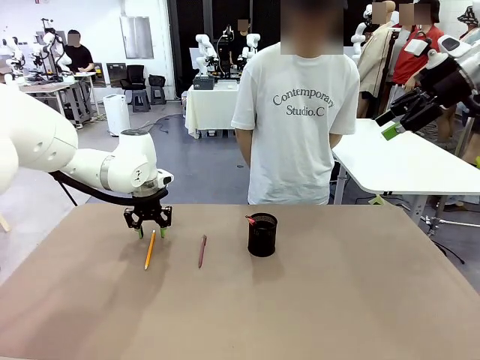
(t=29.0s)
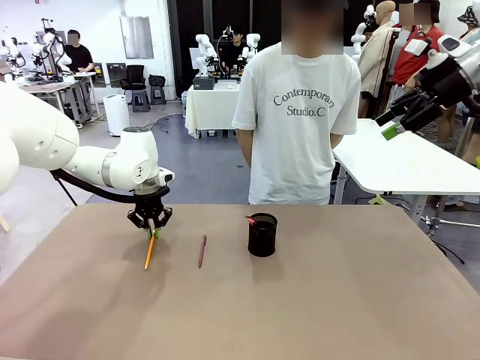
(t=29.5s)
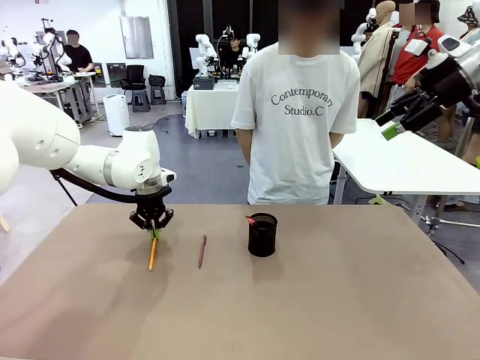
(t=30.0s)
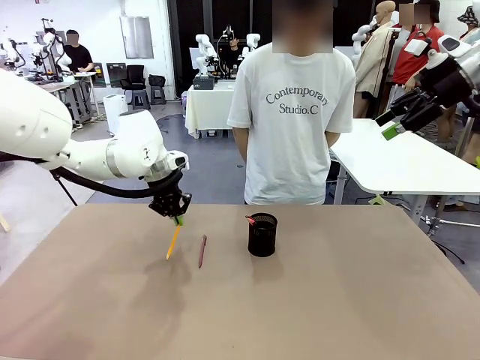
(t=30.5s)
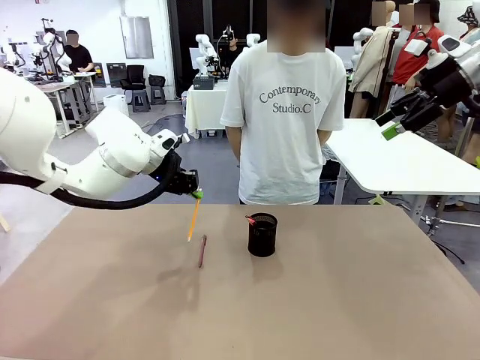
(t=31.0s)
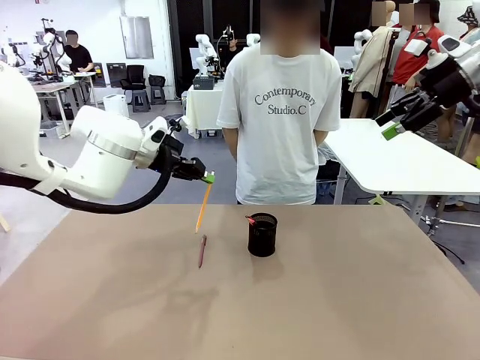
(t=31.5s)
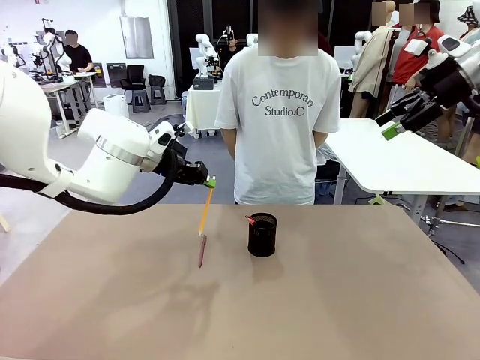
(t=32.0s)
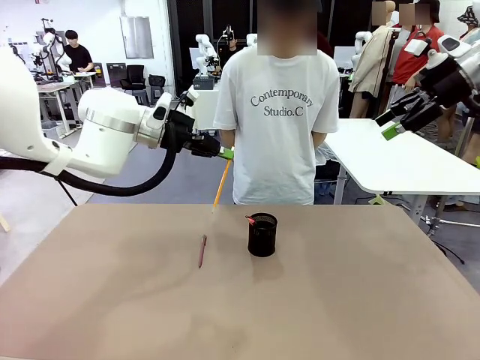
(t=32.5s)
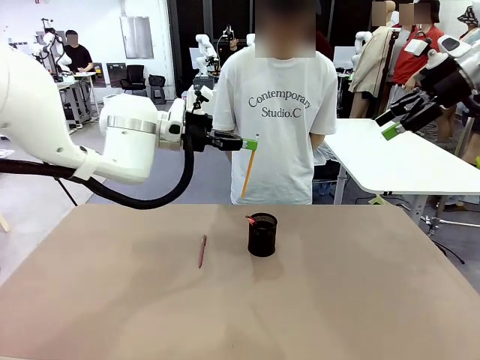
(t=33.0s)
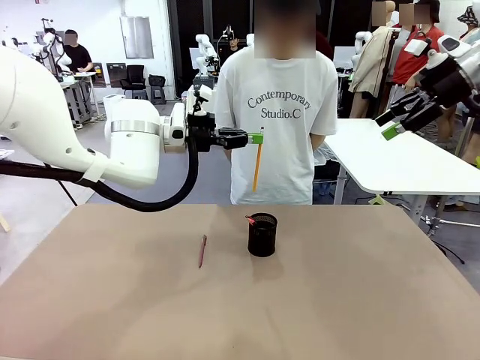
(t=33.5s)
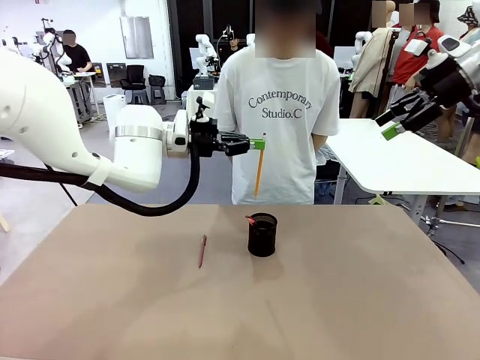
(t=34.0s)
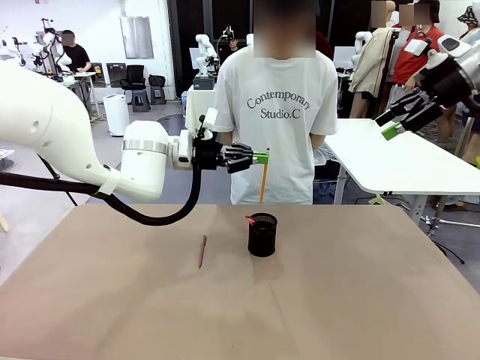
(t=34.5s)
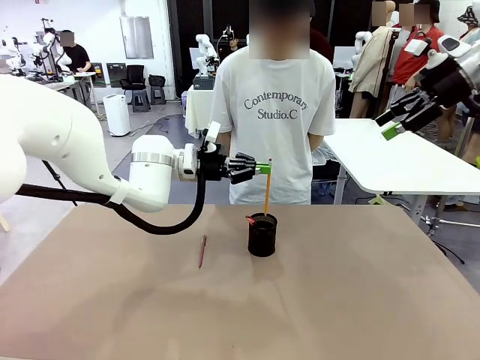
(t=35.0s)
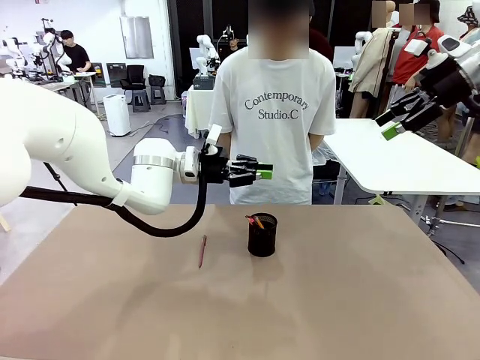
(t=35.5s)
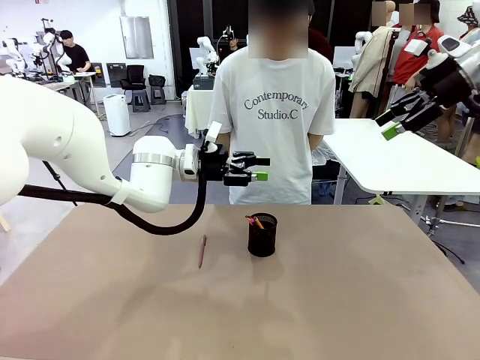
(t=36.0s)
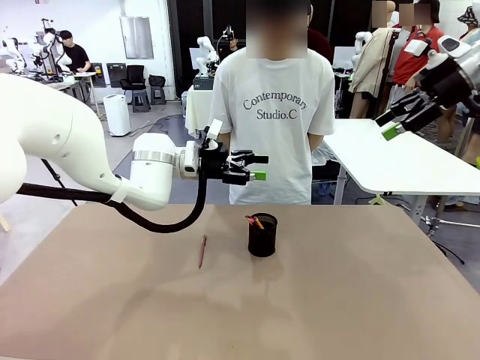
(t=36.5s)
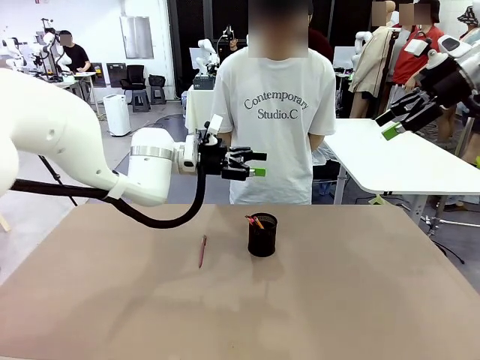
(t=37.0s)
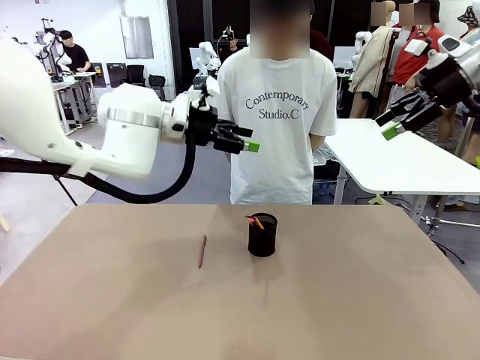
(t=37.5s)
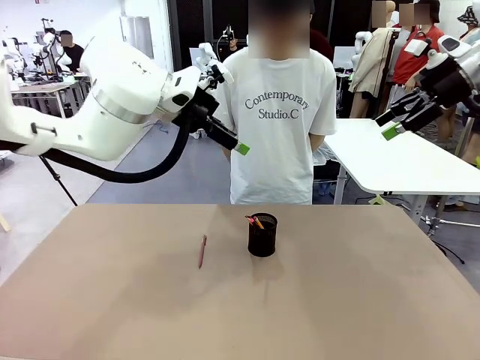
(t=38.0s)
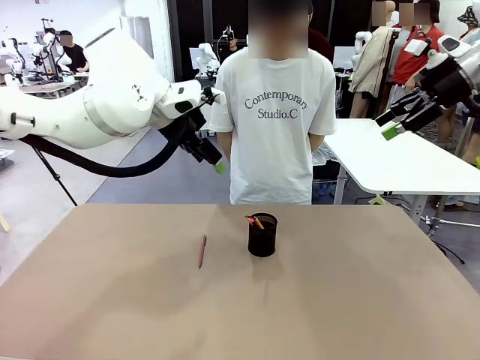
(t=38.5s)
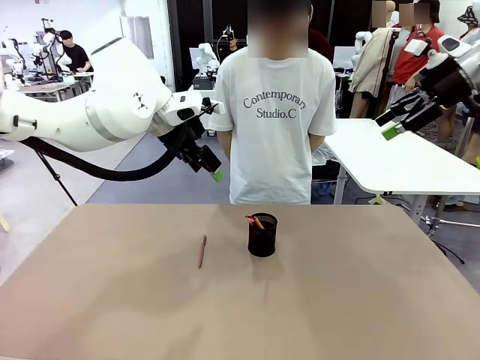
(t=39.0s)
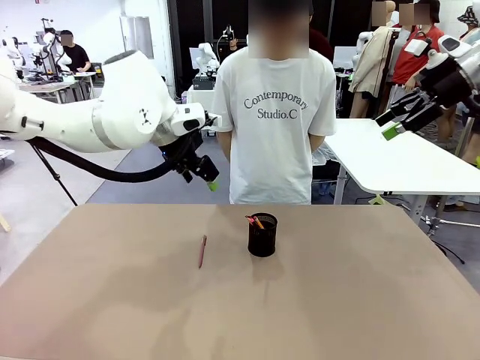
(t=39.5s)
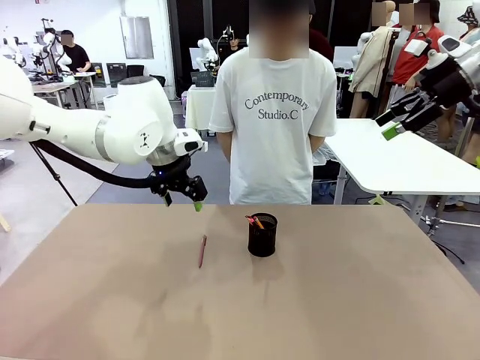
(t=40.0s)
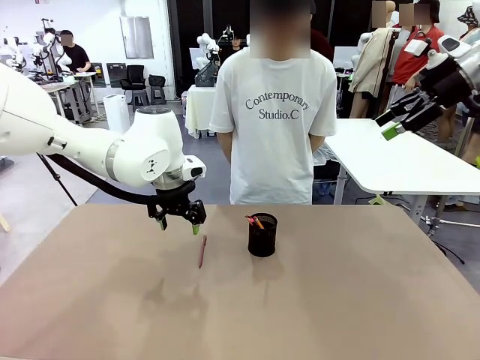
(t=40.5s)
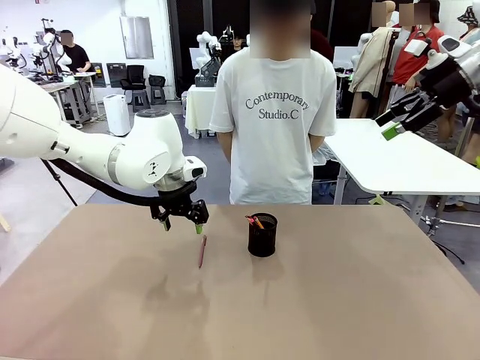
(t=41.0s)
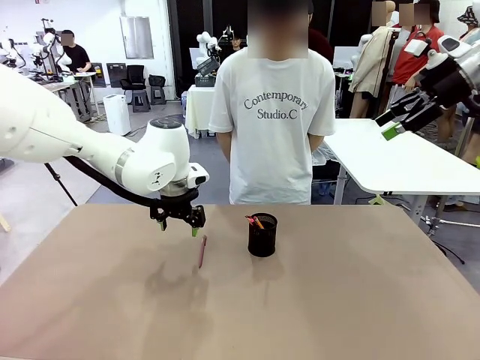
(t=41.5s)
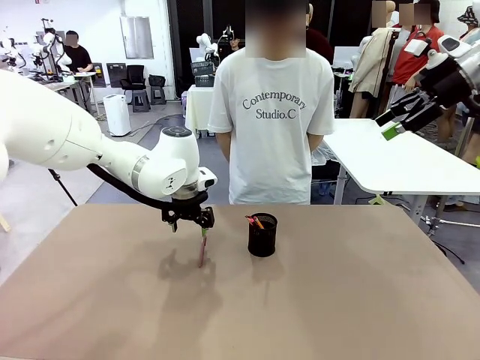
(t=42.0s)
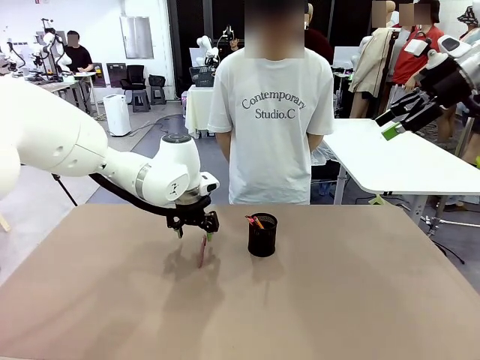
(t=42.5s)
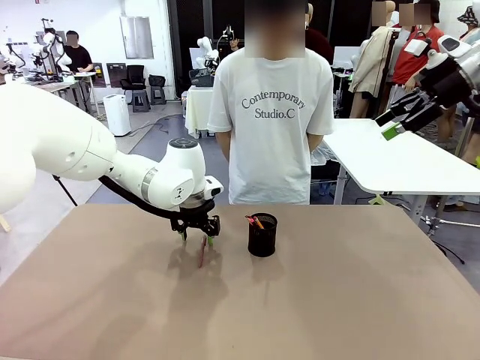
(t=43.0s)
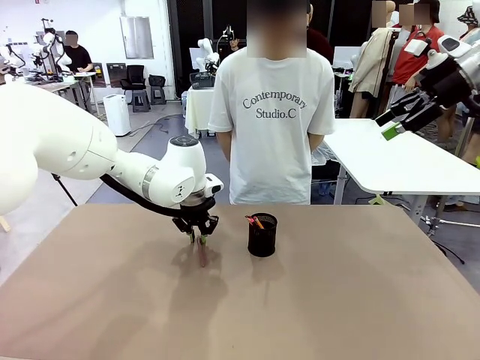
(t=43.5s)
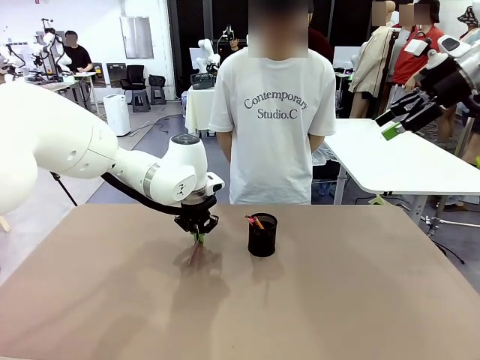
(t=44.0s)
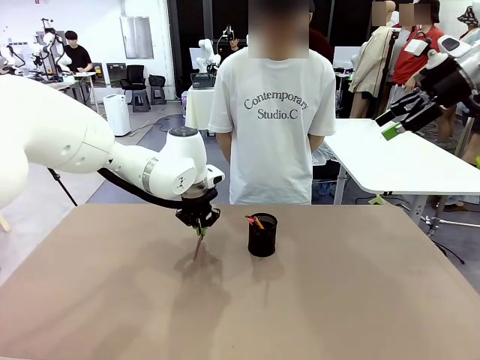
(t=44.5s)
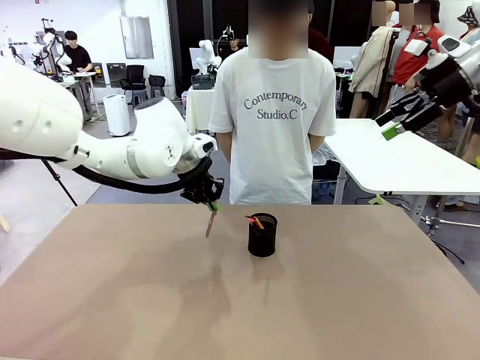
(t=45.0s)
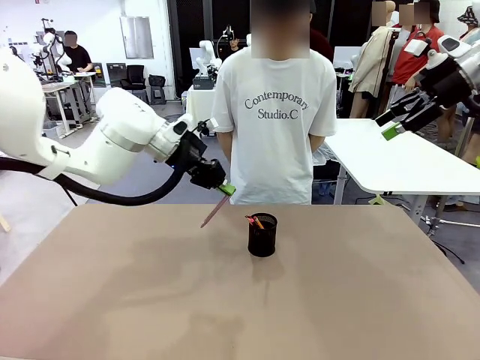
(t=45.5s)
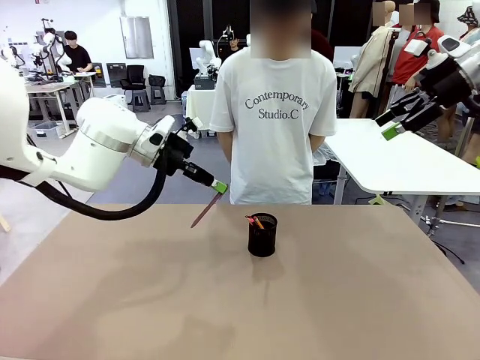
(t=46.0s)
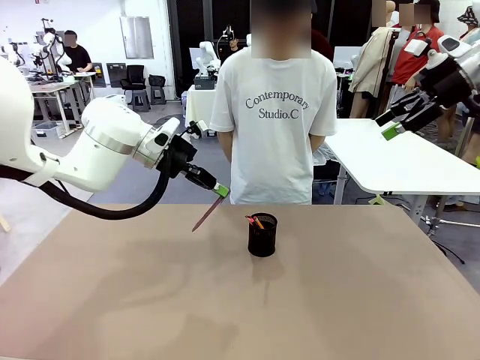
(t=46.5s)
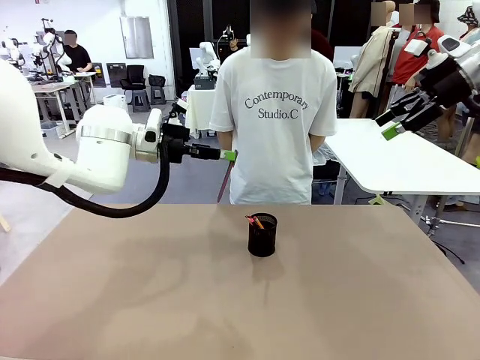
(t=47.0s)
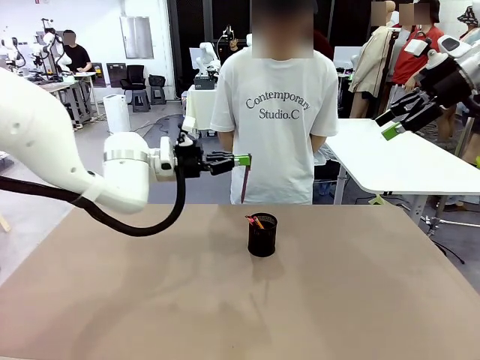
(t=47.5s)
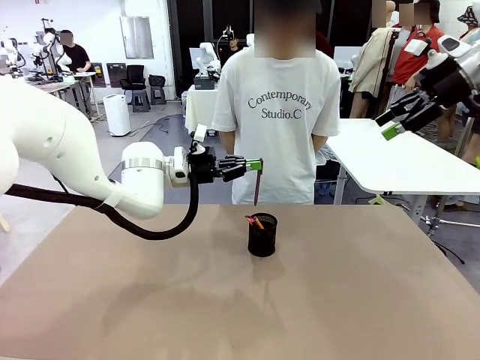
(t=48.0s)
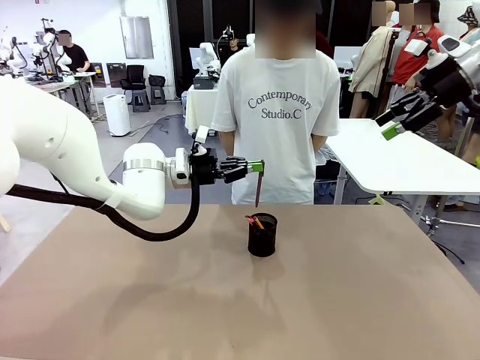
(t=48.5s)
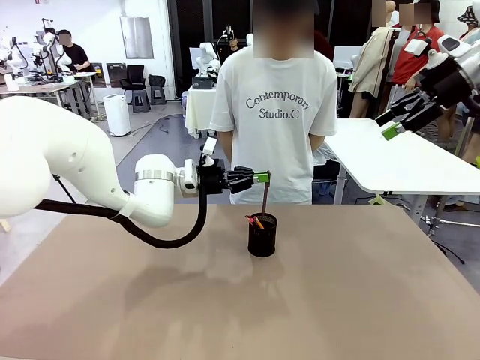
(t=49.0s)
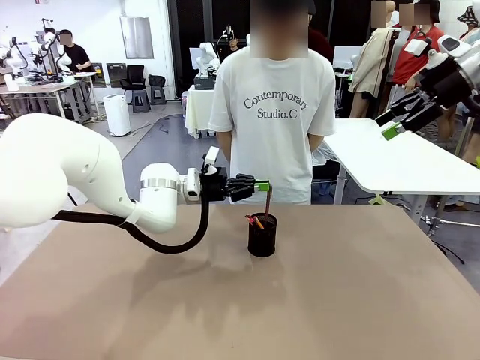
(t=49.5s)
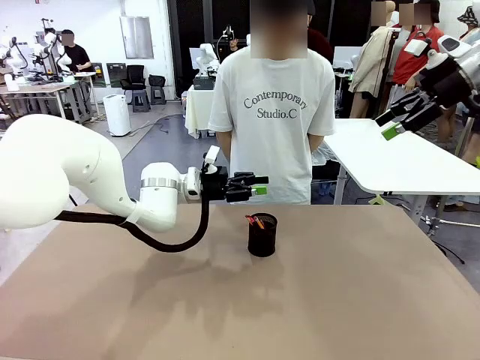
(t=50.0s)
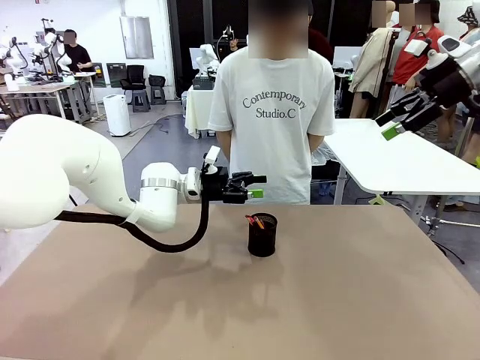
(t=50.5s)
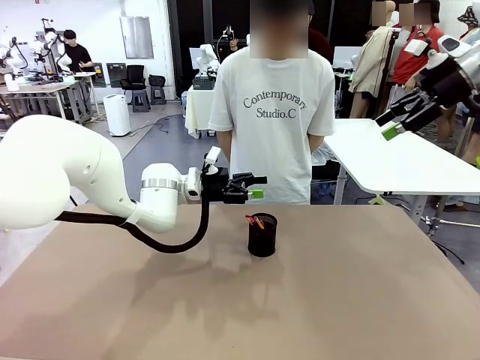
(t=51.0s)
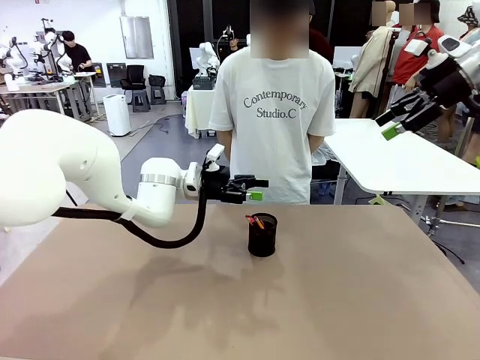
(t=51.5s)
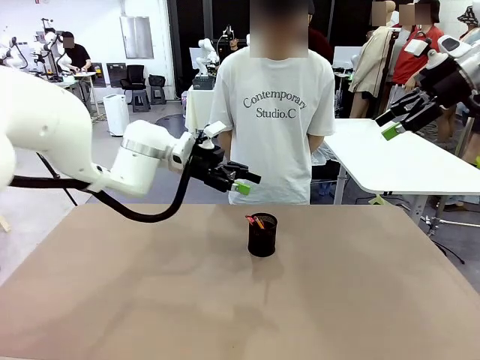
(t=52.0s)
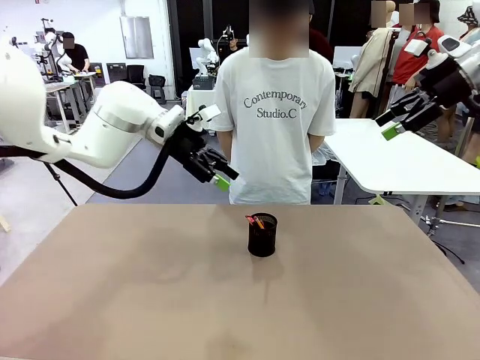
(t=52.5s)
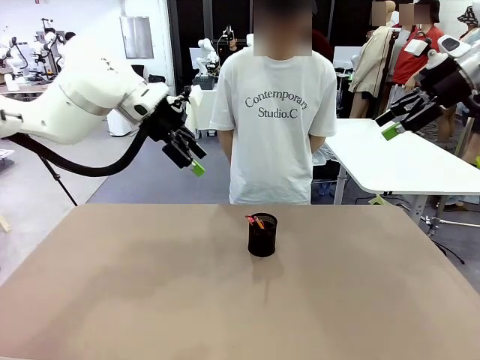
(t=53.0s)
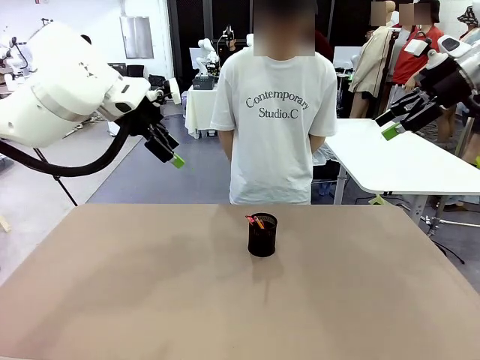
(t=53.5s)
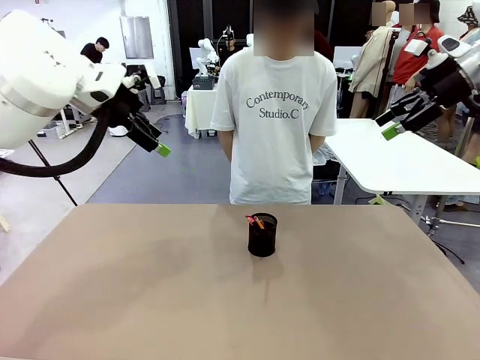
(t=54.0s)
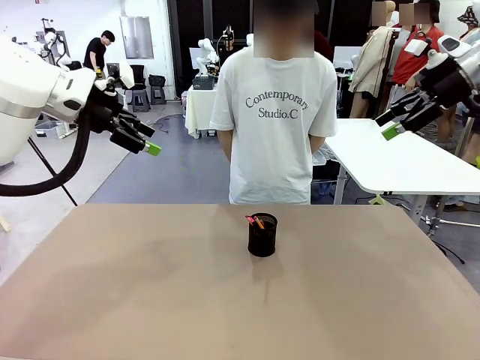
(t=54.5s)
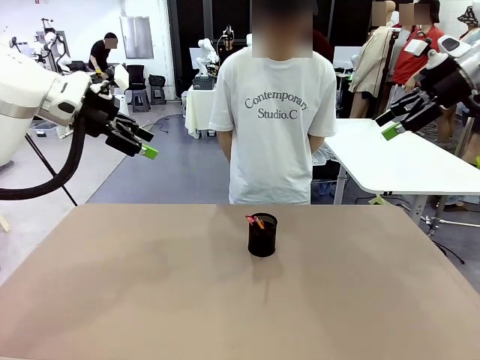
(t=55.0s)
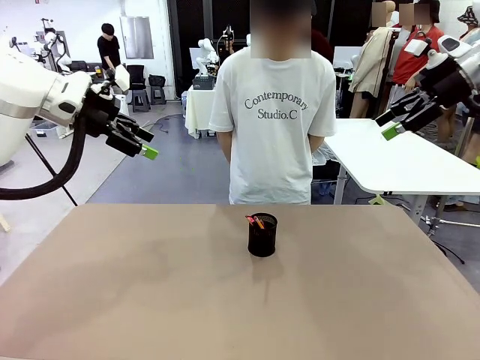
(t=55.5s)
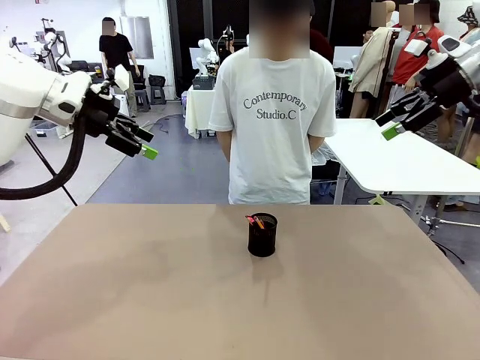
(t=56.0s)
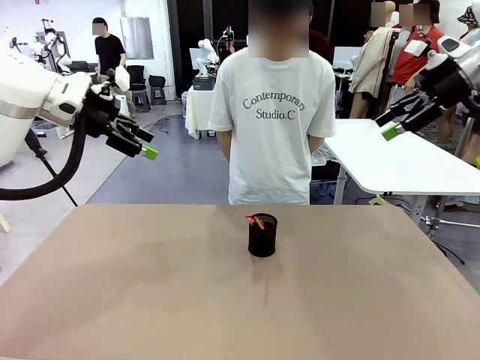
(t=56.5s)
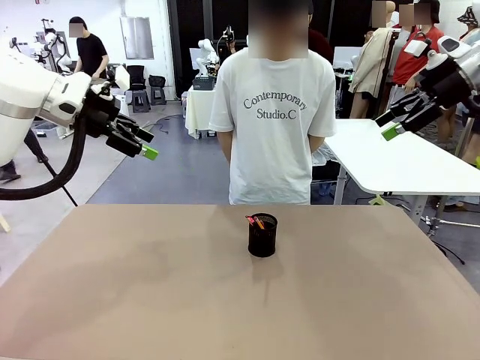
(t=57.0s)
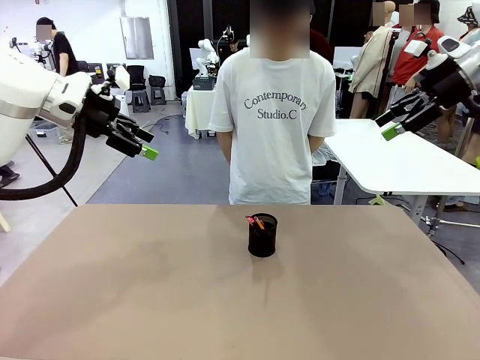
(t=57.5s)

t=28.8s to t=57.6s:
Task: Place the pens into the pen holder.
Robot: Pick up a writing instrument from the table and place it into the Pen holder.
Person: Place all writing instrument into the Pen holder.
